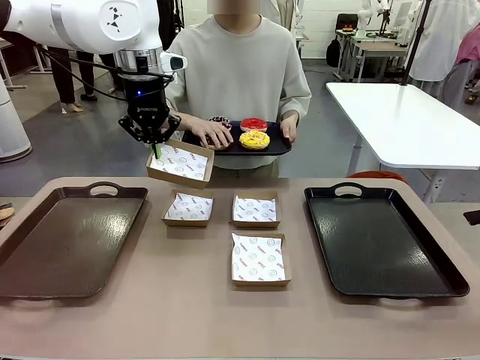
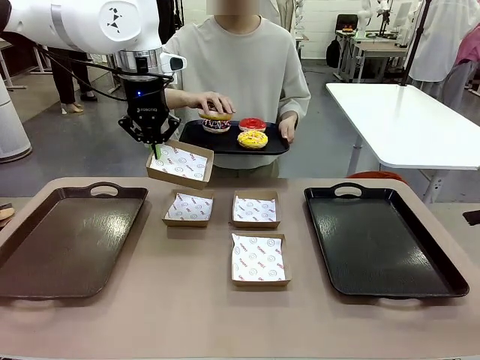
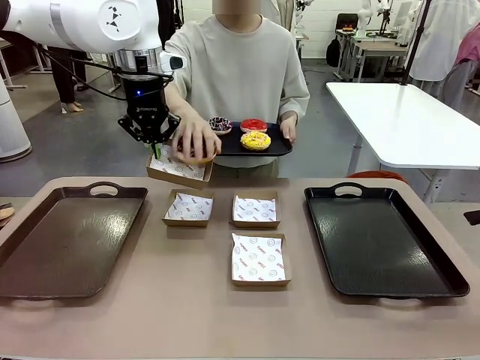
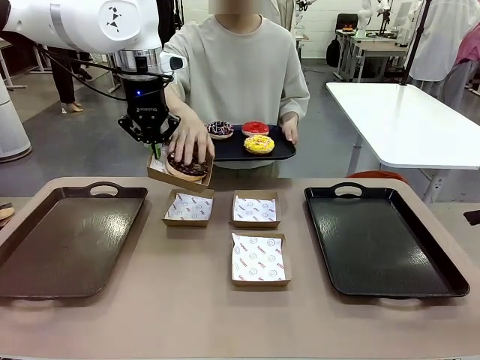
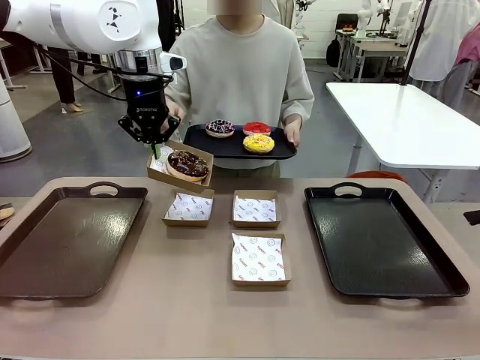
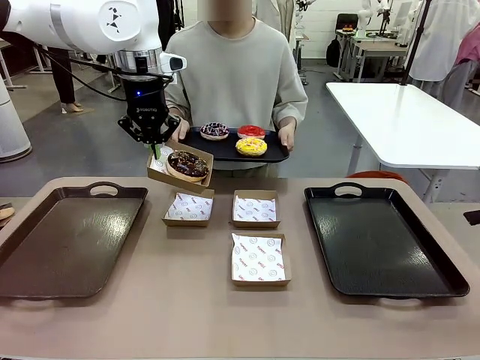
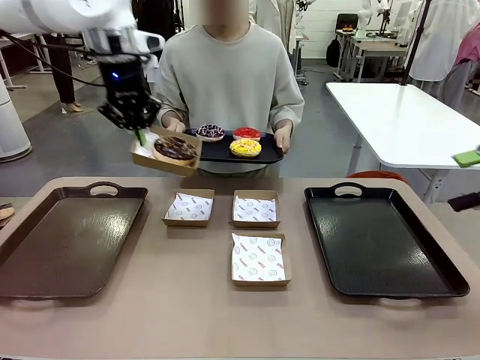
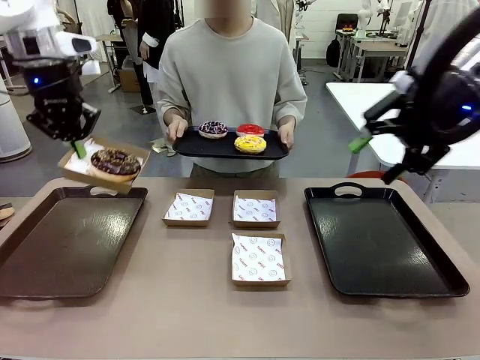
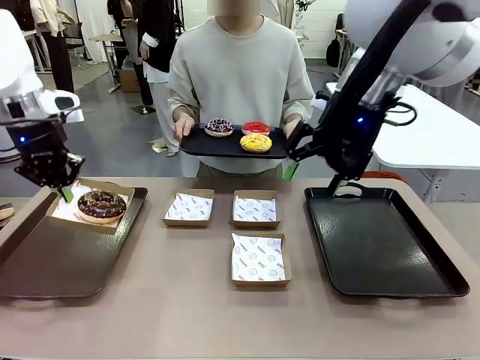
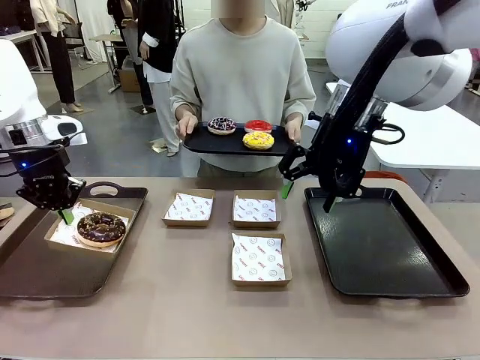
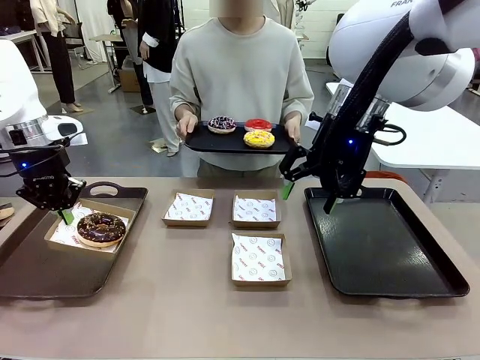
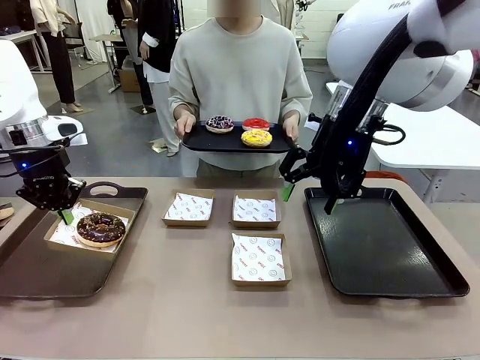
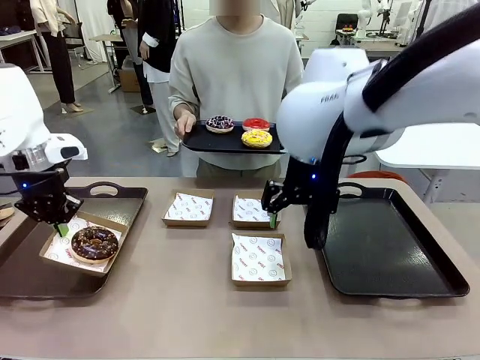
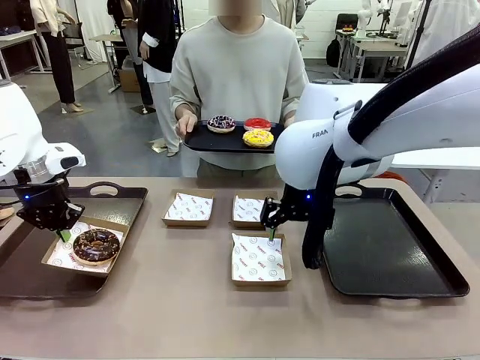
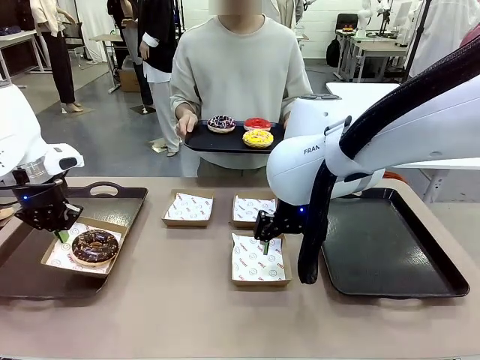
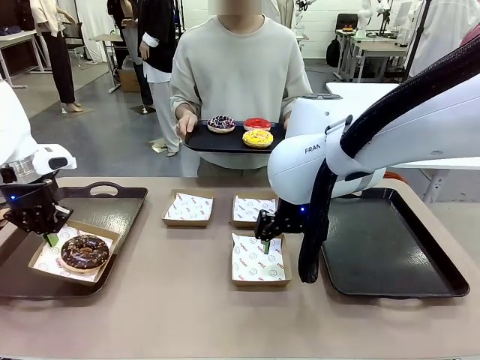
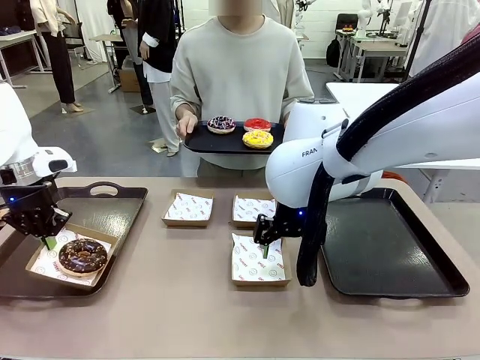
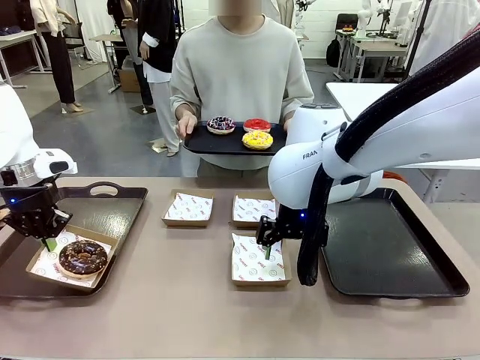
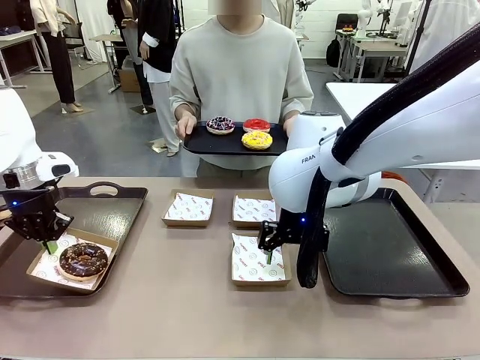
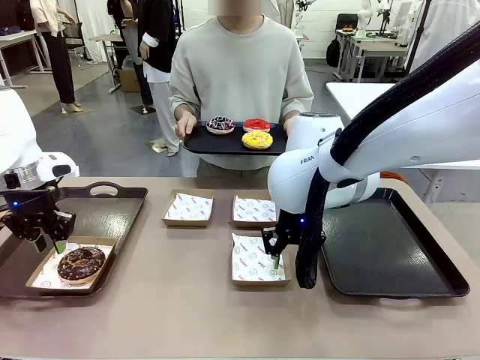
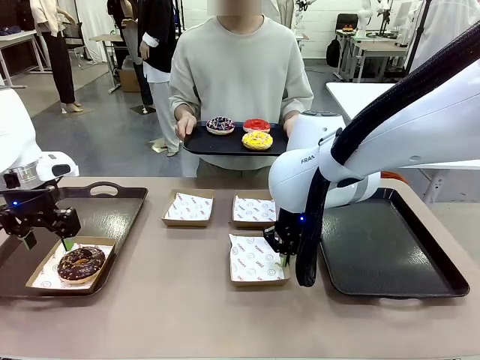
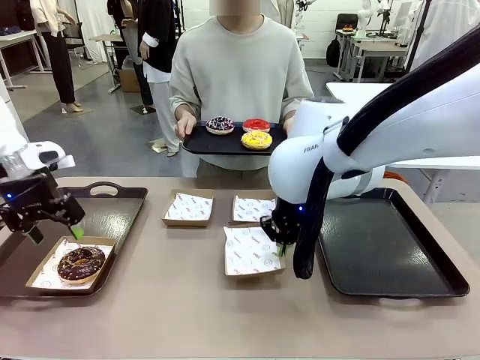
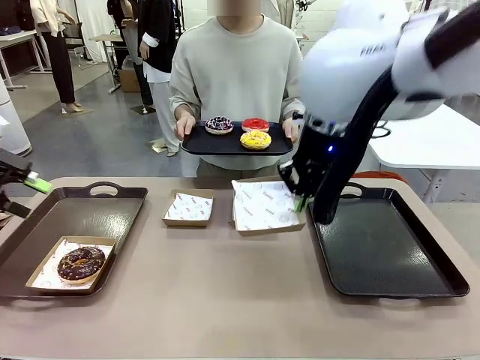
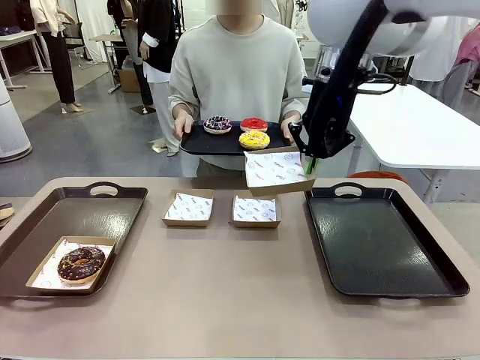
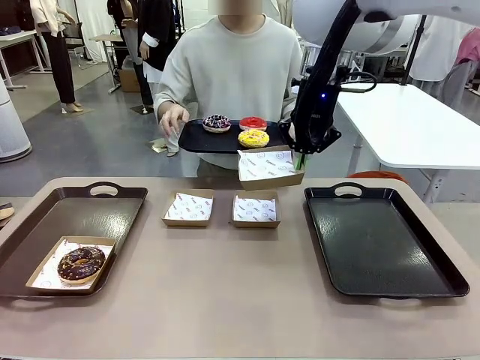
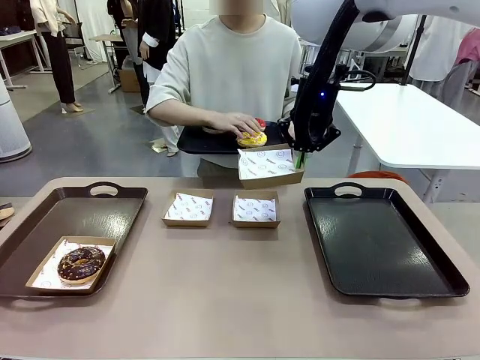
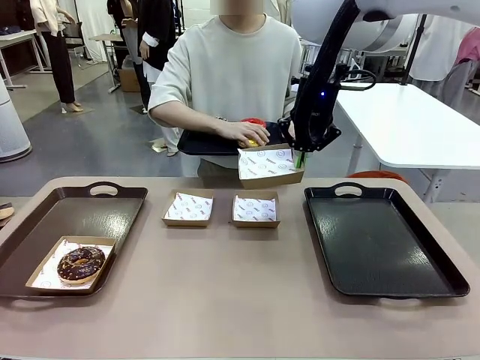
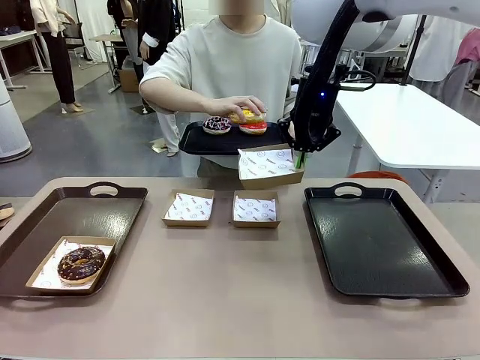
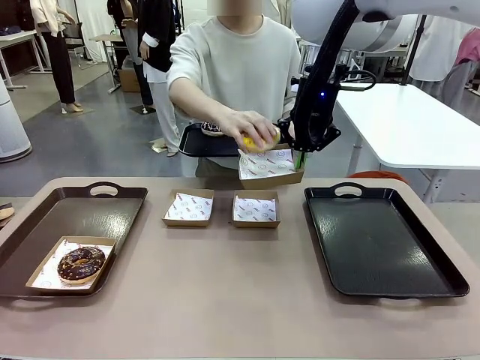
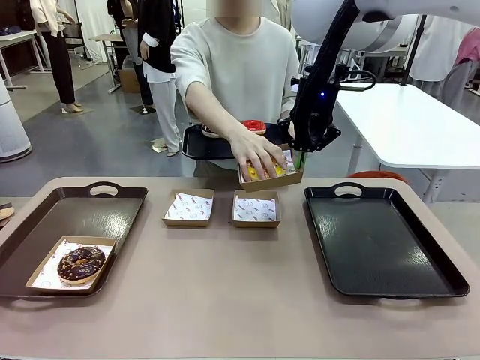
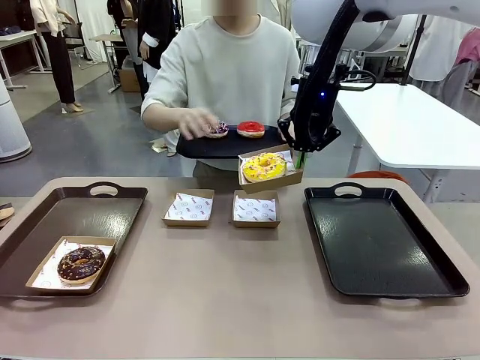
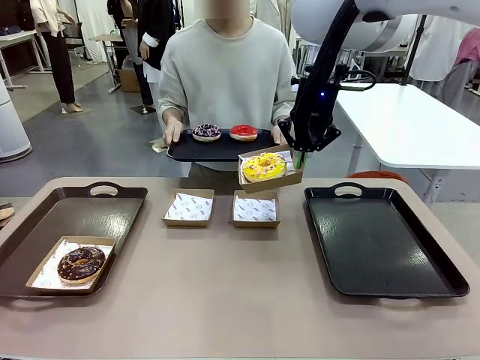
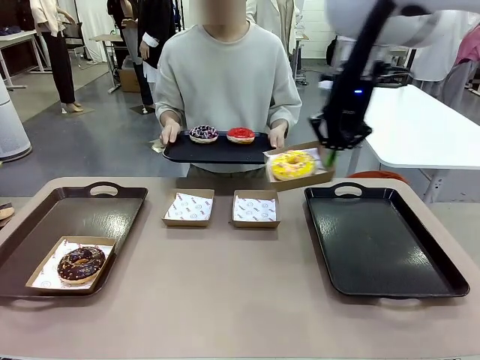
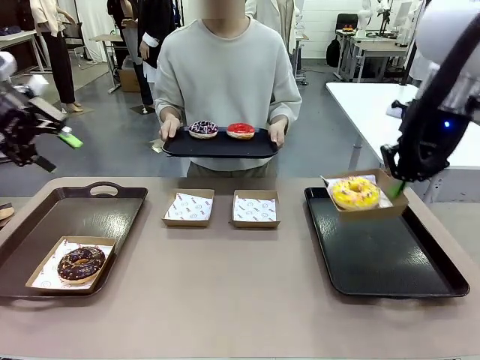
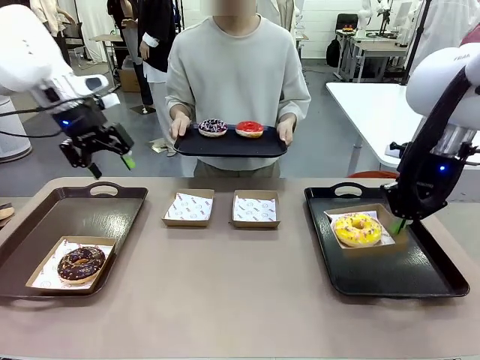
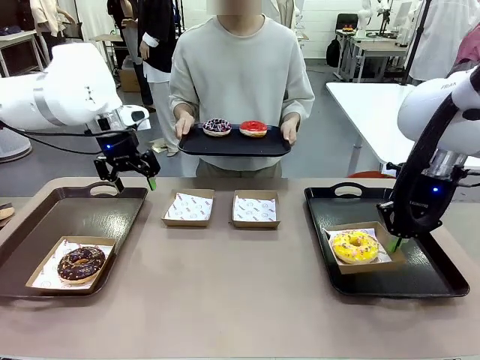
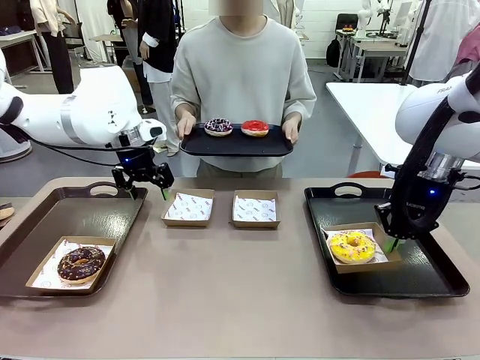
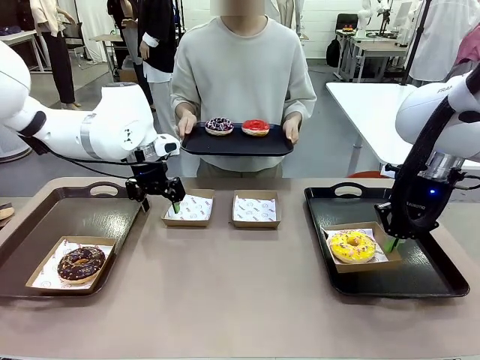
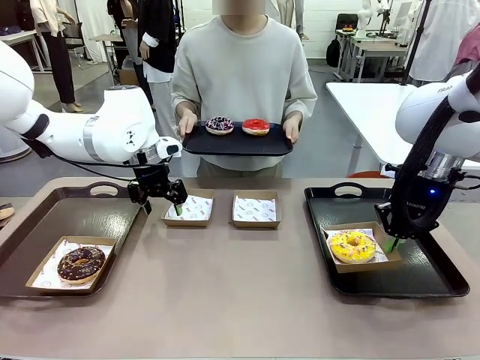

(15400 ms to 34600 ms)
Task: Individually package the donuts and arrange them on the tray.
Robot: Place the picked Paper togo box on the Handle tray while simultaneously picking up another Paper togo box from the table with the other hand.
